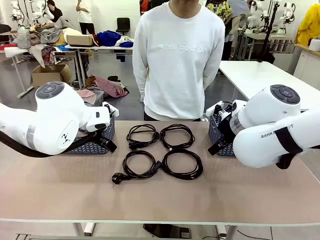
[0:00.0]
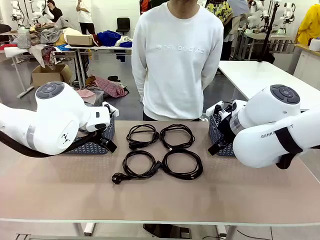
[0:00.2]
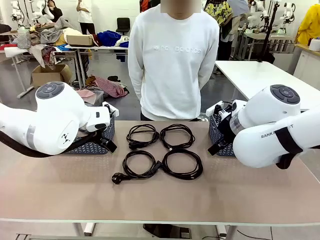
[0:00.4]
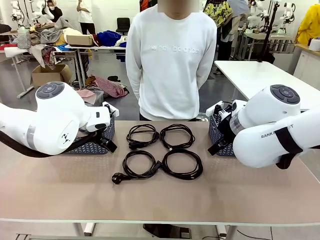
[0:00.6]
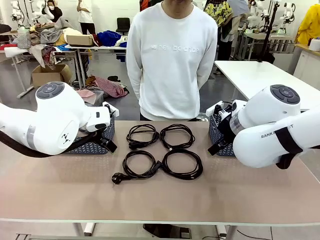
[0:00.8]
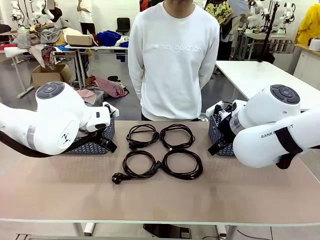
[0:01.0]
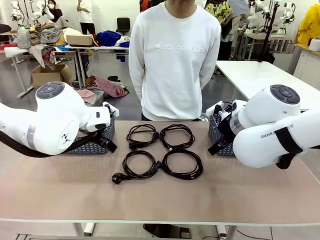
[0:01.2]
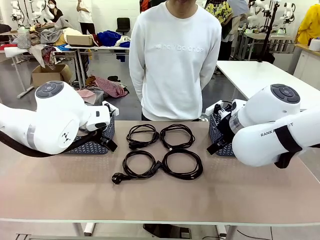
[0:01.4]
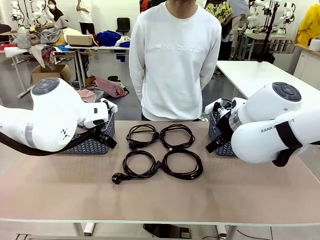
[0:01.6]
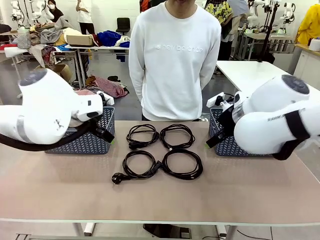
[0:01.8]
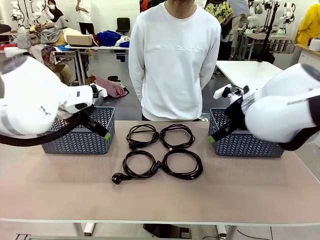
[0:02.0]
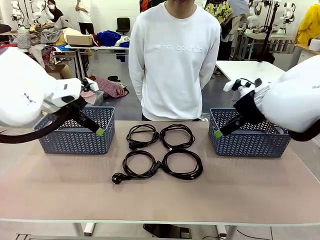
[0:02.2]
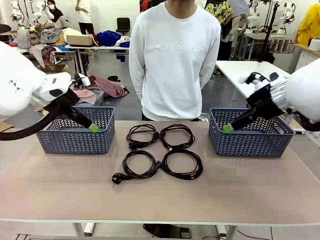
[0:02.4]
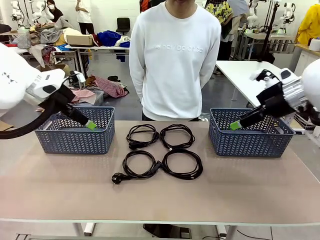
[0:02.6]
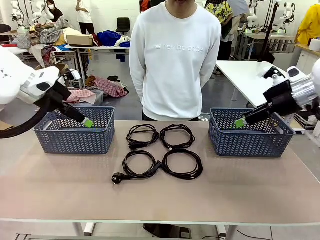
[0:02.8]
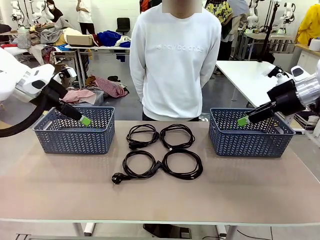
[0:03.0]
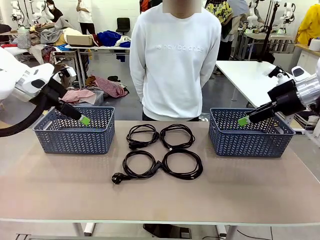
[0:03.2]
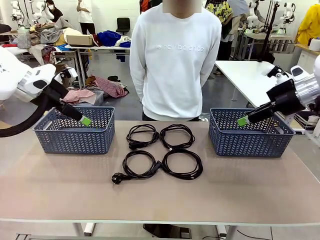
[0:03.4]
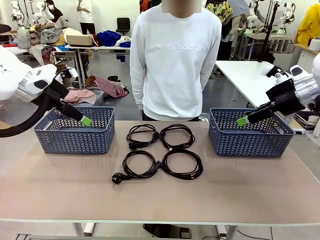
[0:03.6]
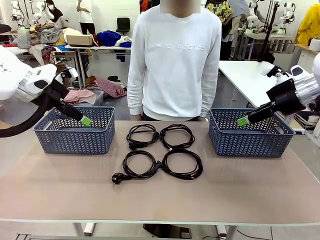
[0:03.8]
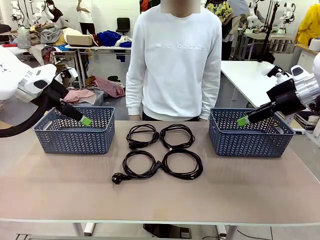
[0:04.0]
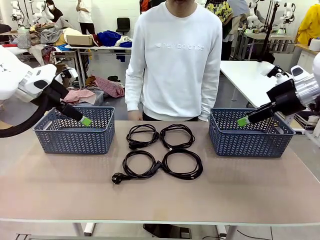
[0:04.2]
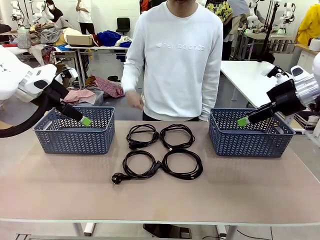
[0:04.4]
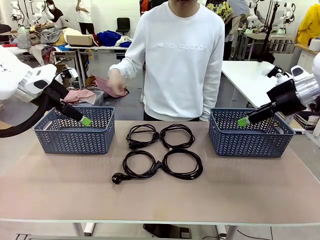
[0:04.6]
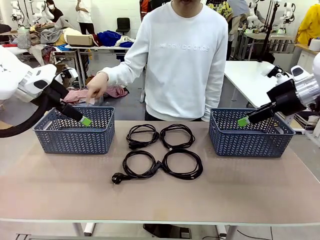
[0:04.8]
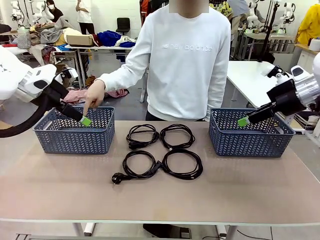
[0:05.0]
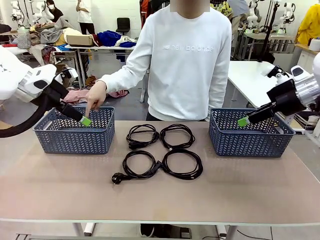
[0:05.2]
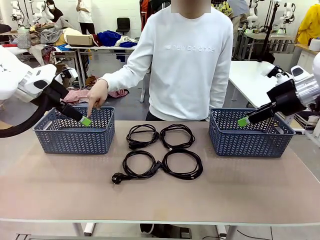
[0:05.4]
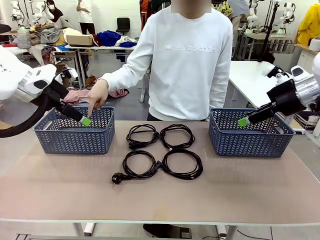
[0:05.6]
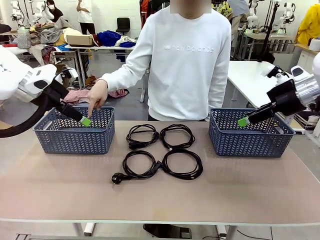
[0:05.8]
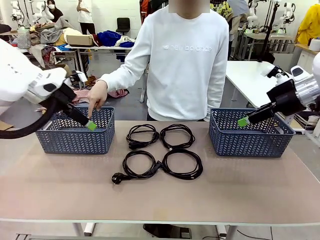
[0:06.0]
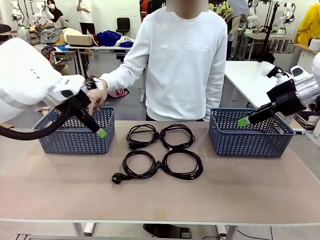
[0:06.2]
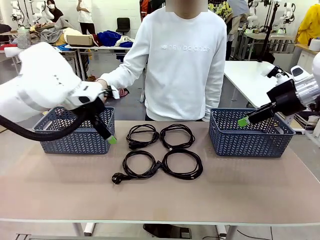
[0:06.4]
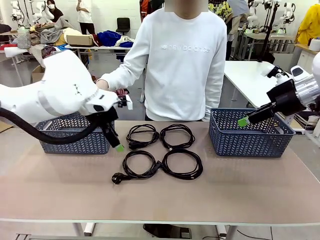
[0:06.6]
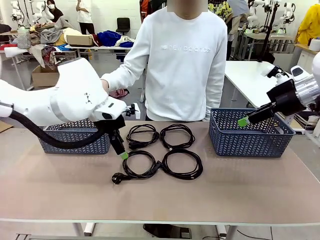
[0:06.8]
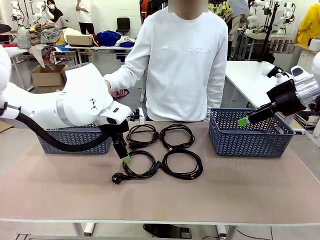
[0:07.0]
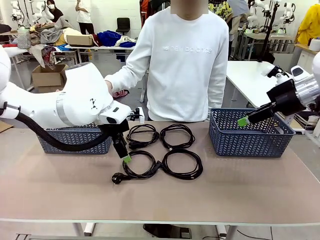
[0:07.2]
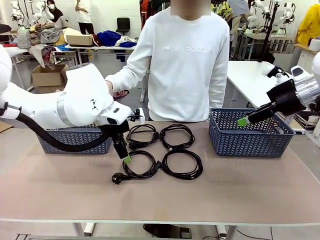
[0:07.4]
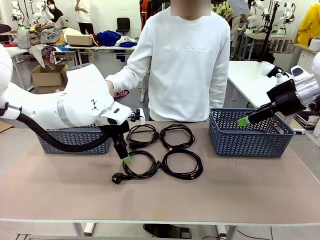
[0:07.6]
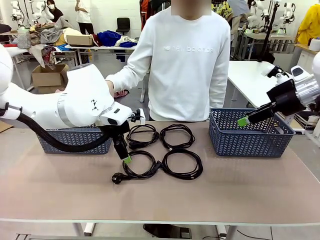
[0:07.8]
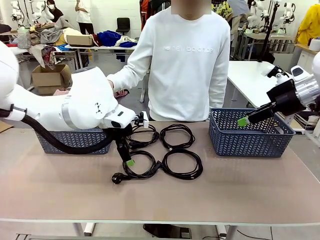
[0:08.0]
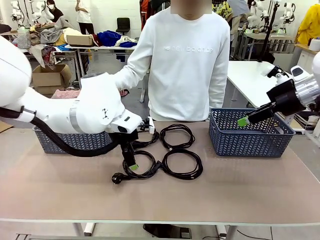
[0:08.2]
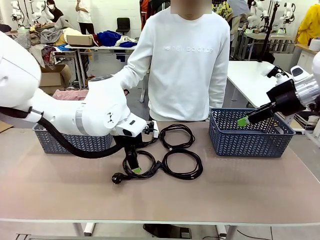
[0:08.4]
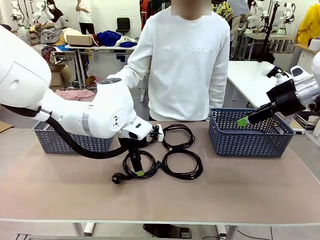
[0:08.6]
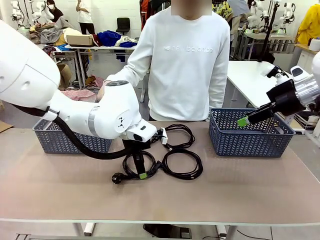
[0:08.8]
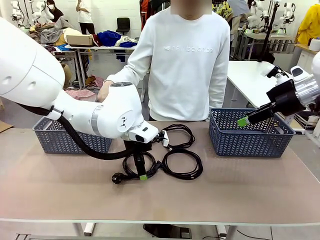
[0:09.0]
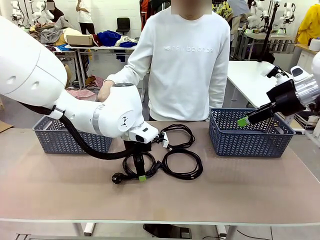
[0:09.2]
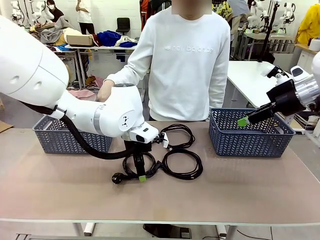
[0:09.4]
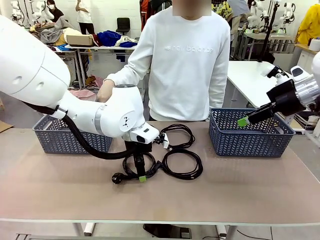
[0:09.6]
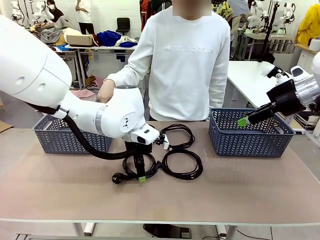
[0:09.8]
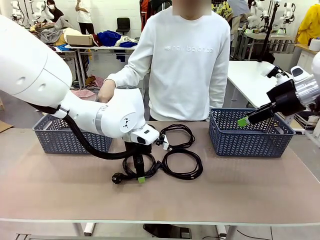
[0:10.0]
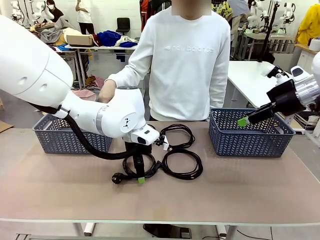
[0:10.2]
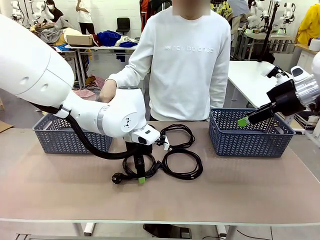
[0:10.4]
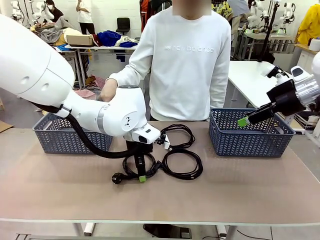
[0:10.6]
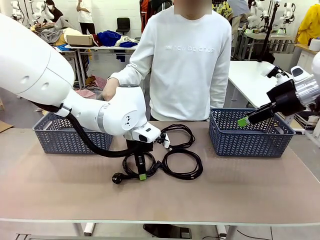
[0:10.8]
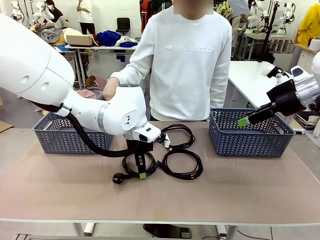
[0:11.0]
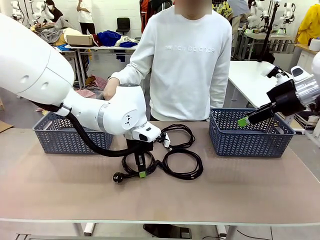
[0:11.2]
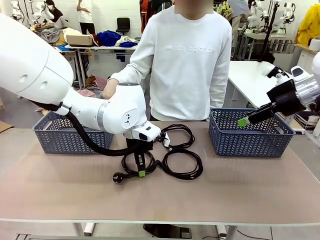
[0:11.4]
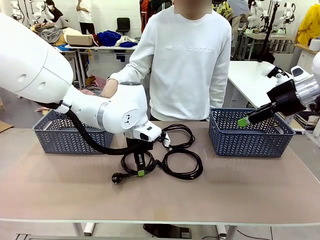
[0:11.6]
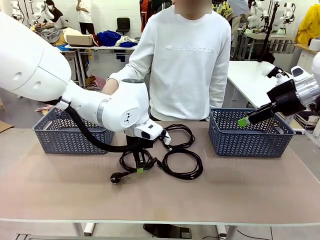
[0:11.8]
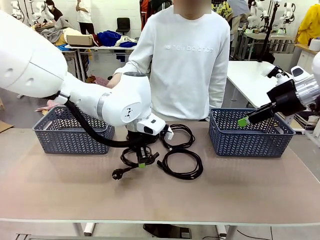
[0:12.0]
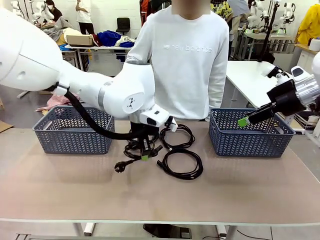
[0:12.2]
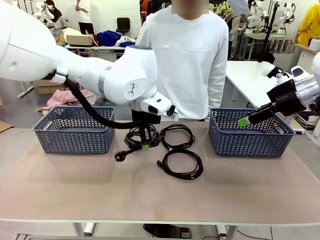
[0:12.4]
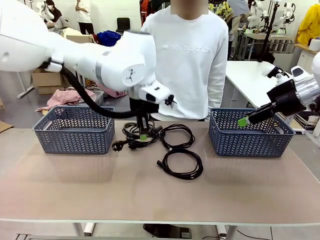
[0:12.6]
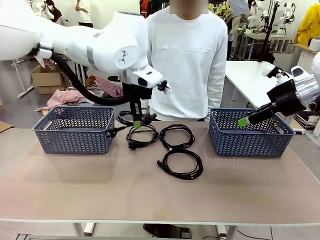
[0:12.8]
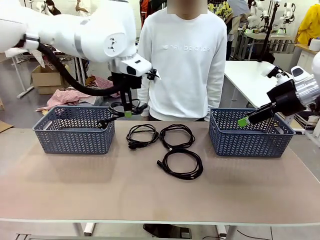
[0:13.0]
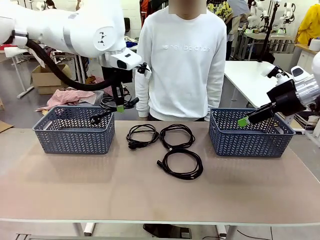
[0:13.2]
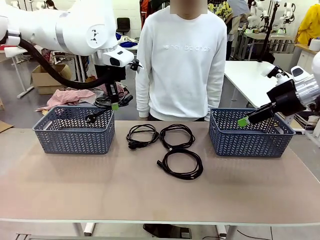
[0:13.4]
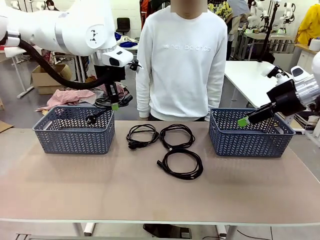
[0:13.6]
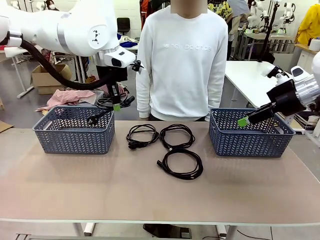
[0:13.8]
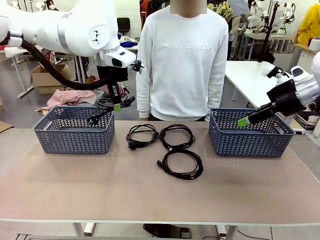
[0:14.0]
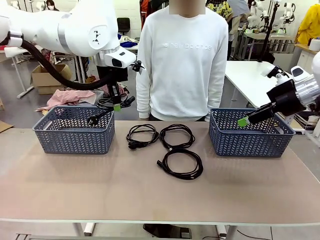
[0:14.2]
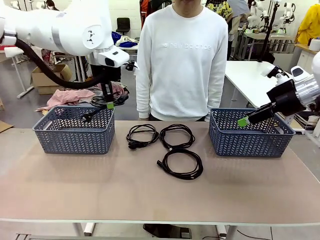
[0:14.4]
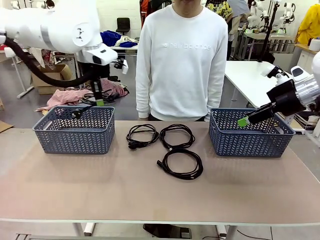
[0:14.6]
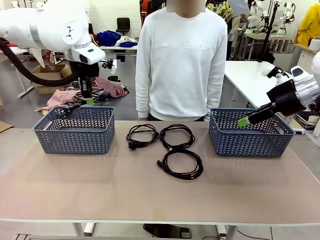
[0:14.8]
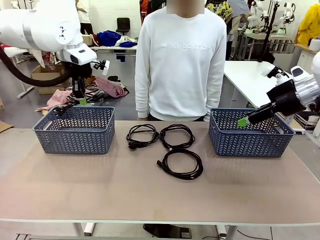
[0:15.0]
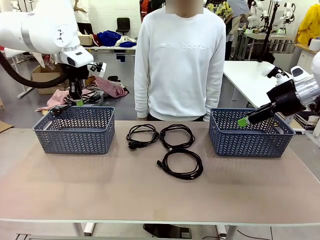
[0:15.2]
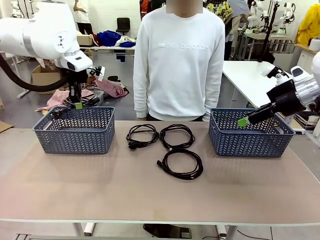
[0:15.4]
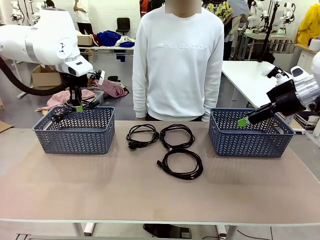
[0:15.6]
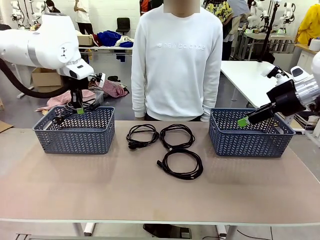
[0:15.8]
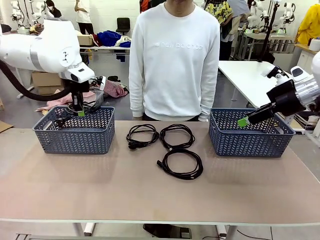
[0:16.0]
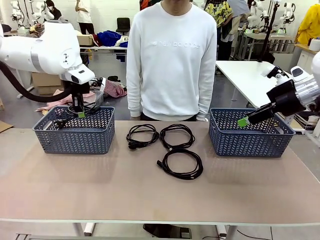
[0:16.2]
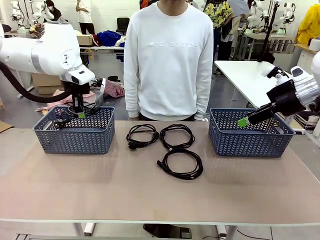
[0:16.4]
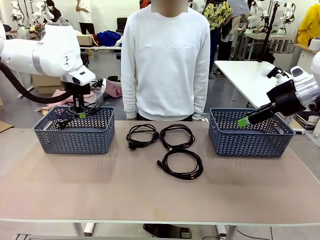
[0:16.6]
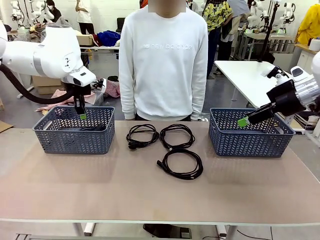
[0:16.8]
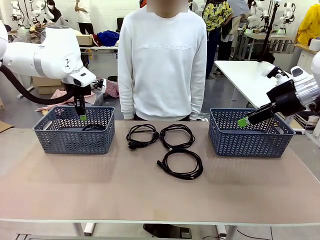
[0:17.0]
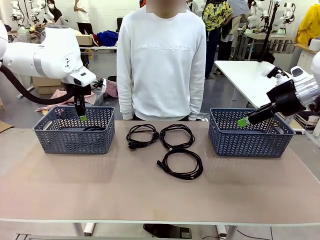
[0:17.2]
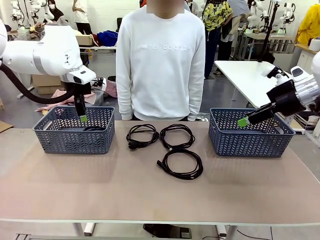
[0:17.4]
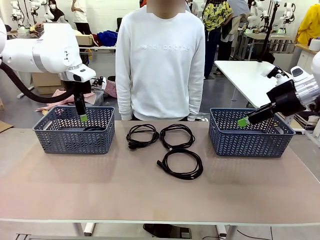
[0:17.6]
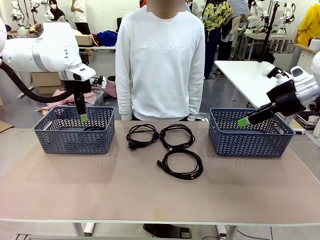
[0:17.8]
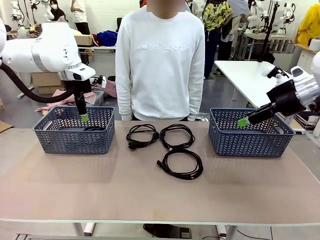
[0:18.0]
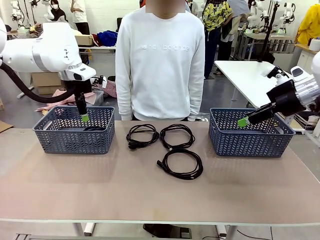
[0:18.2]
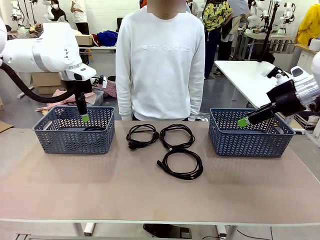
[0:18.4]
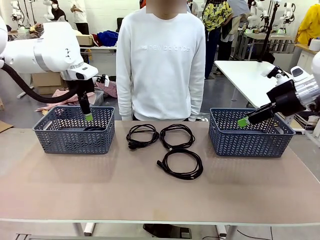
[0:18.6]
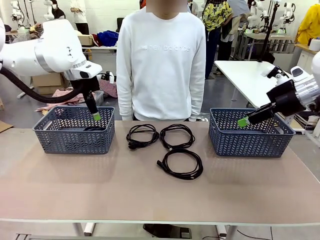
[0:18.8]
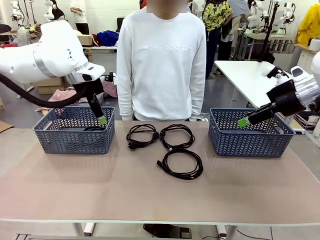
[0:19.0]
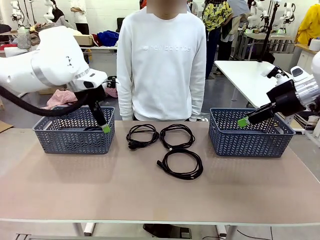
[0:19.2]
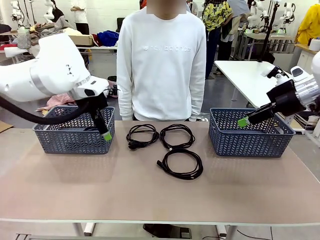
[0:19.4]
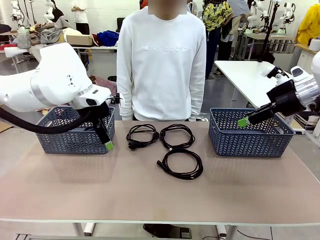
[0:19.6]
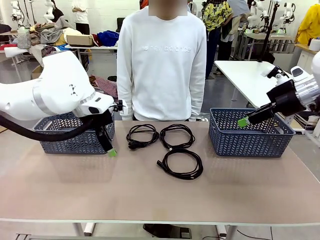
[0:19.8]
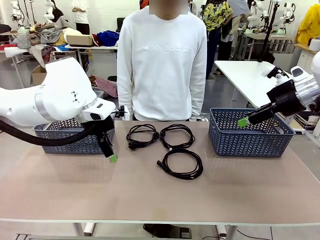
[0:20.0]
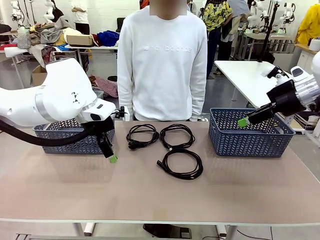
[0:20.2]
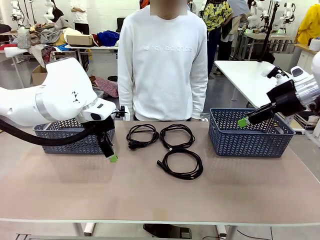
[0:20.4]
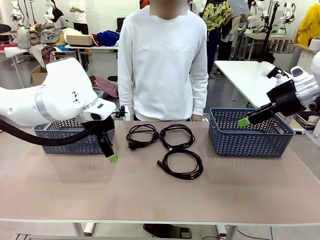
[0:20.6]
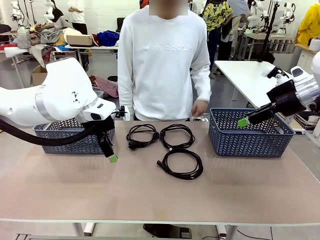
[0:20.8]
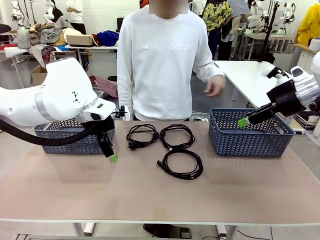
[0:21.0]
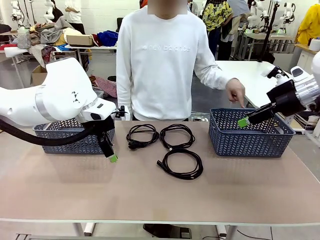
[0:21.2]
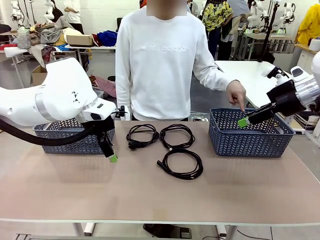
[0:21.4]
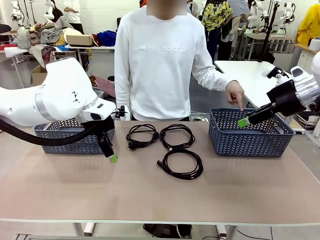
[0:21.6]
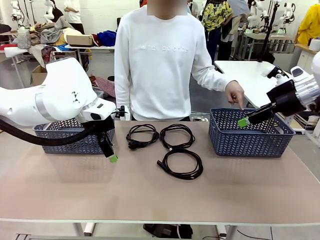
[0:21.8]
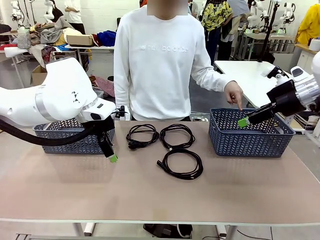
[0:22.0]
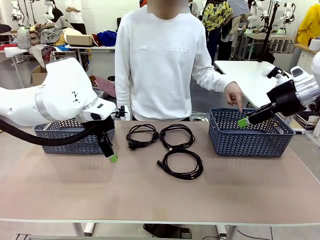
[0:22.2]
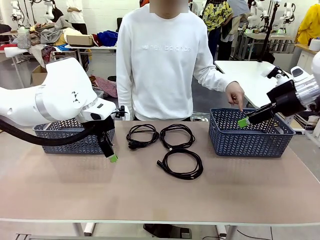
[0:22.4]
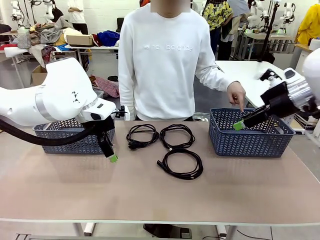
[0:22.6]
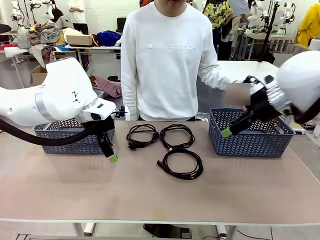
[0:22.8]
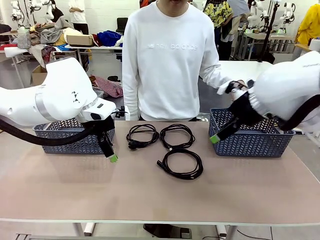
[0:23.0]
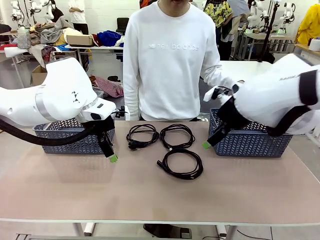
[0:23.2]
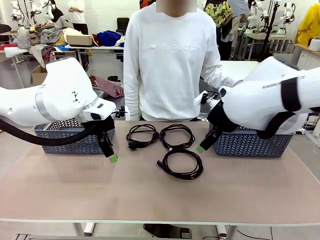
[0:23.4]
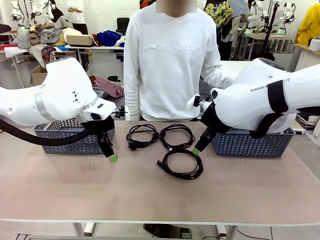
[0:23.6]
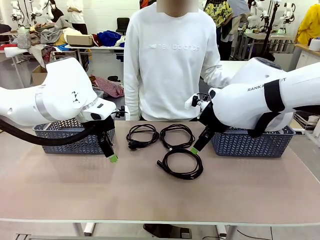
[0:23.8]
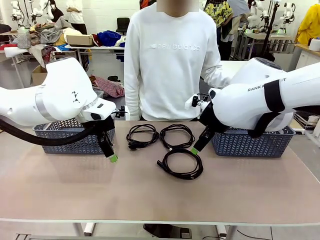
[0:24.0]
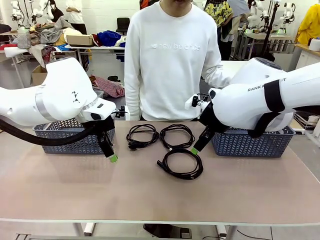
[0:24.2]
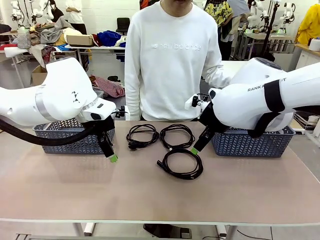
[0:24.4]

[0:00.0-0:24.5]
Task: Organize the cables according to human instructions.
Robot: Pick up a bundle of cables and place it in the basket indicated by the human.
